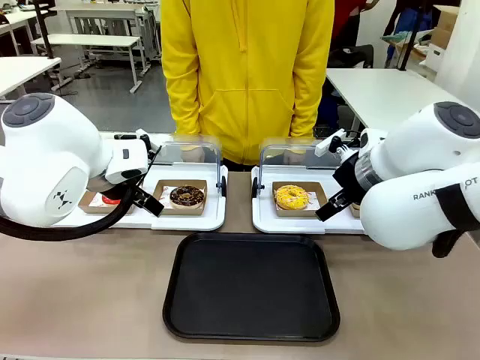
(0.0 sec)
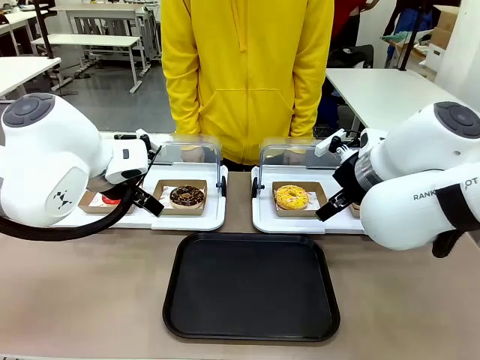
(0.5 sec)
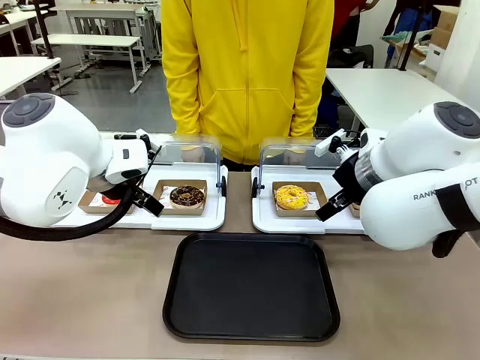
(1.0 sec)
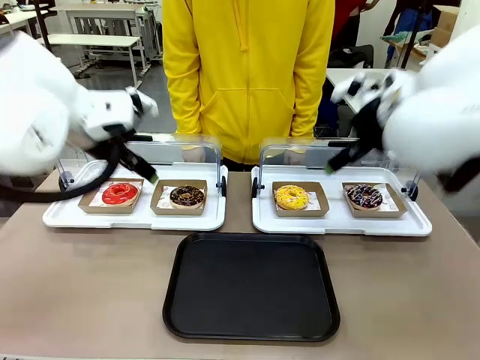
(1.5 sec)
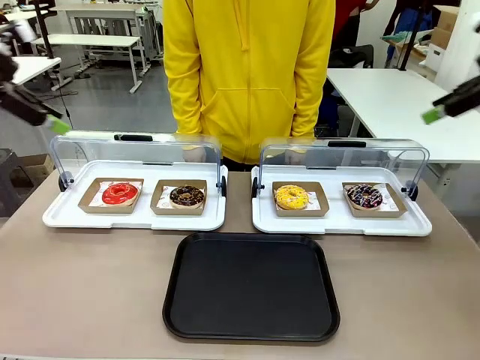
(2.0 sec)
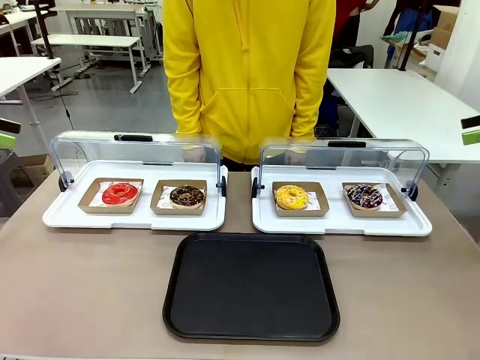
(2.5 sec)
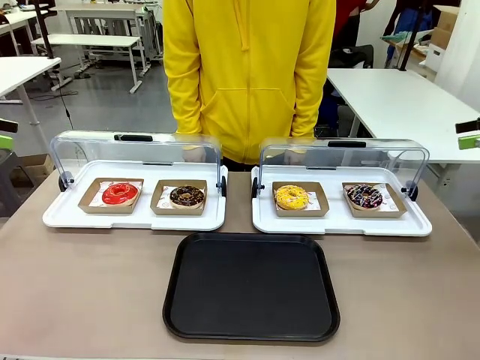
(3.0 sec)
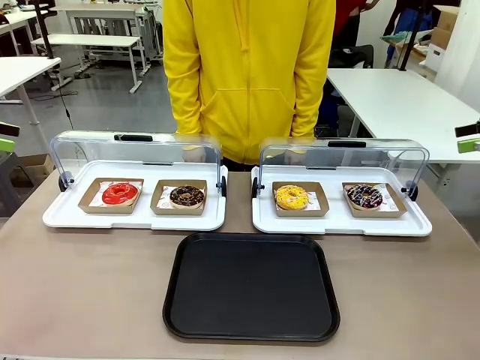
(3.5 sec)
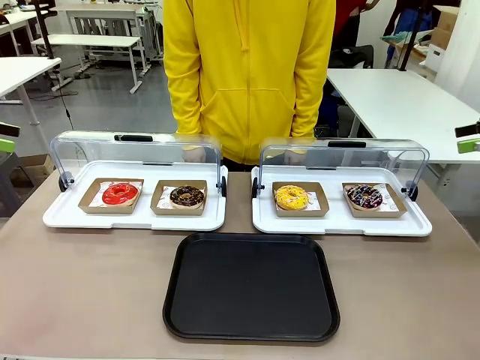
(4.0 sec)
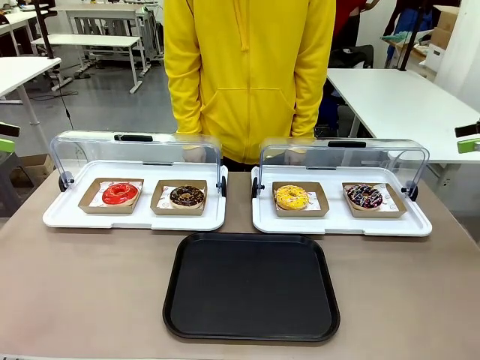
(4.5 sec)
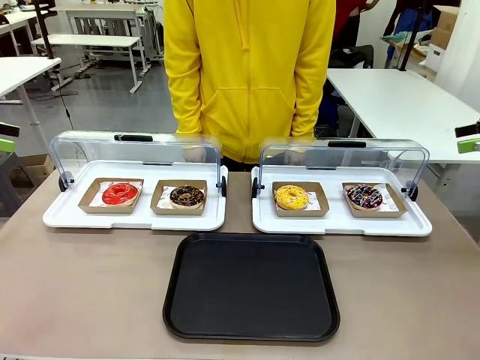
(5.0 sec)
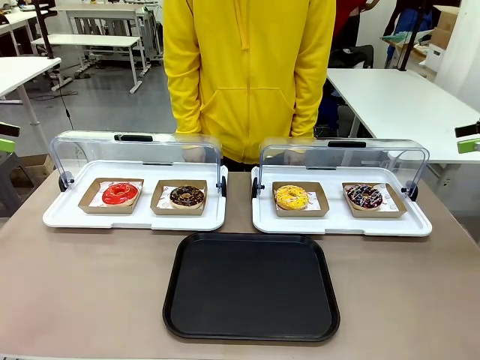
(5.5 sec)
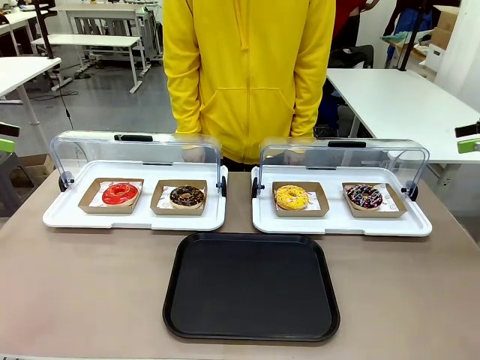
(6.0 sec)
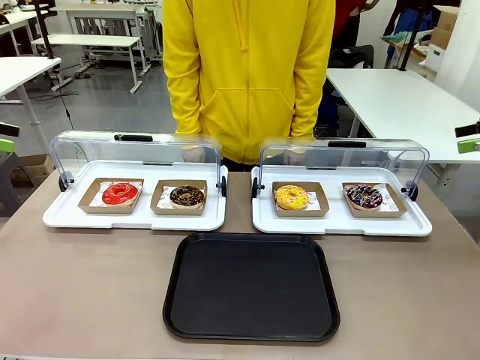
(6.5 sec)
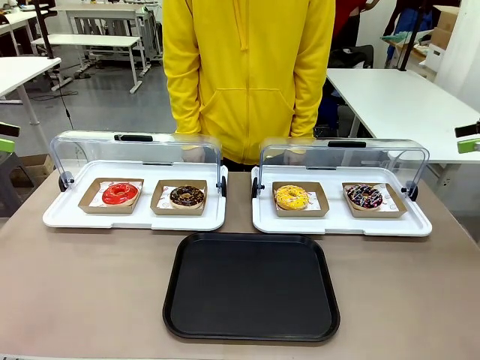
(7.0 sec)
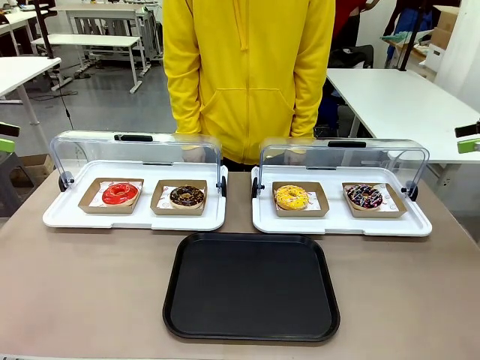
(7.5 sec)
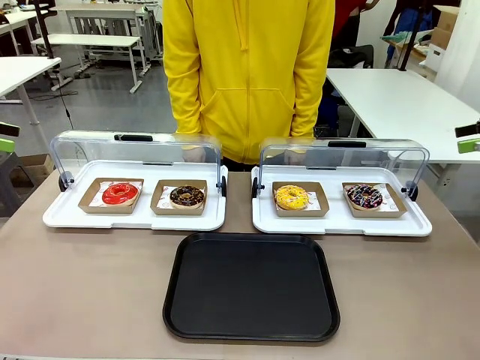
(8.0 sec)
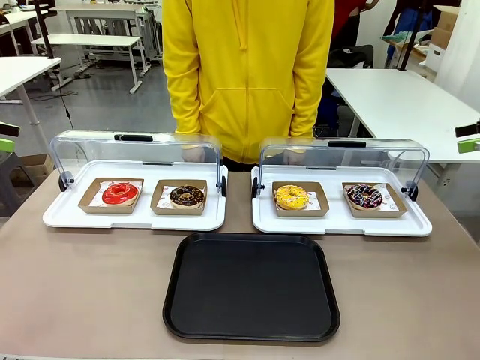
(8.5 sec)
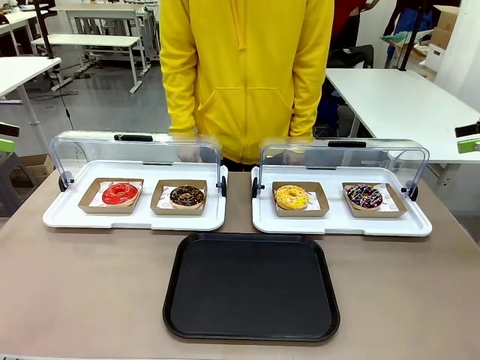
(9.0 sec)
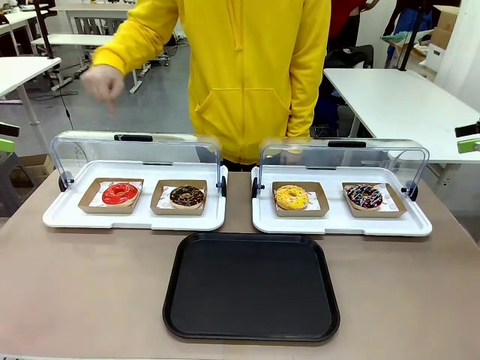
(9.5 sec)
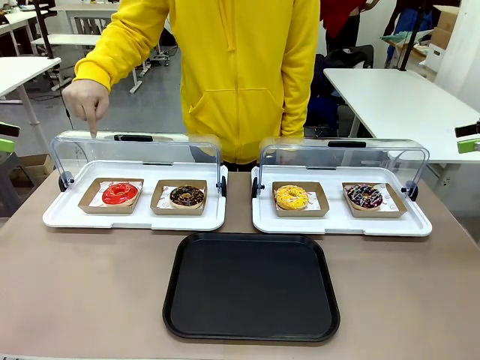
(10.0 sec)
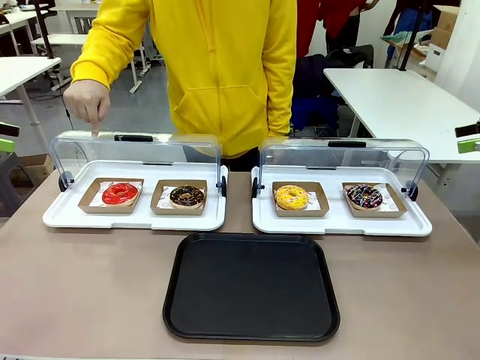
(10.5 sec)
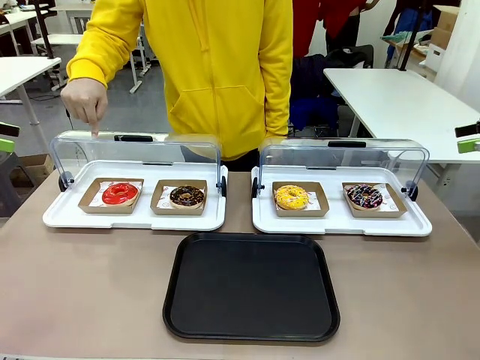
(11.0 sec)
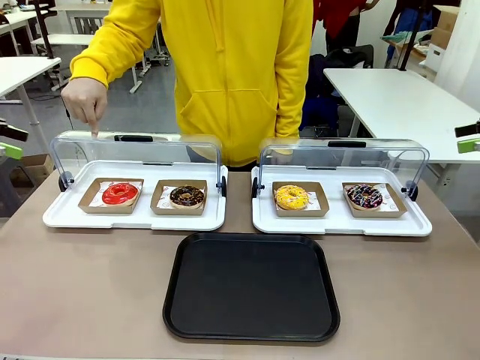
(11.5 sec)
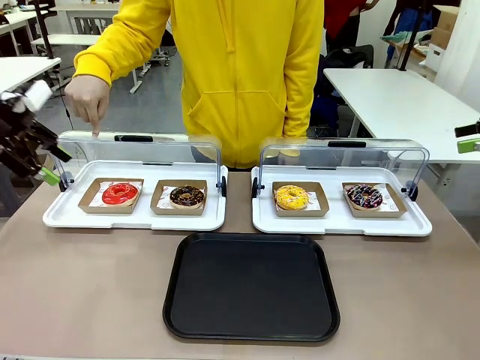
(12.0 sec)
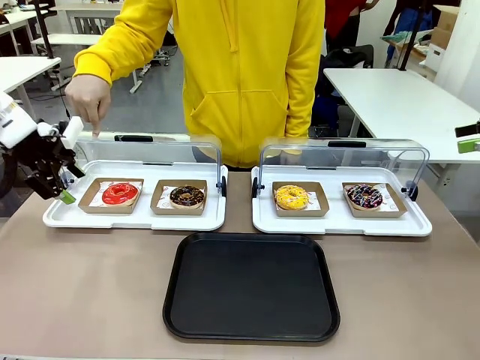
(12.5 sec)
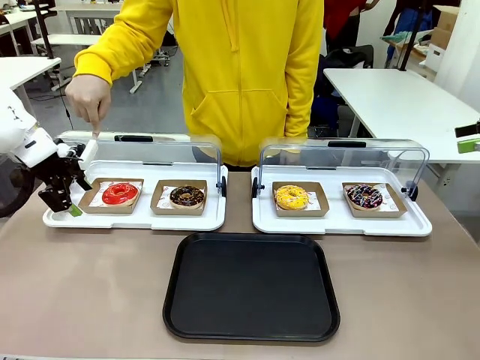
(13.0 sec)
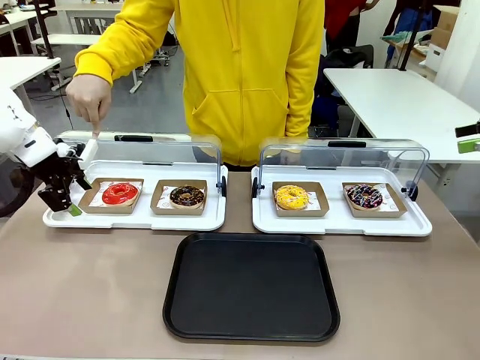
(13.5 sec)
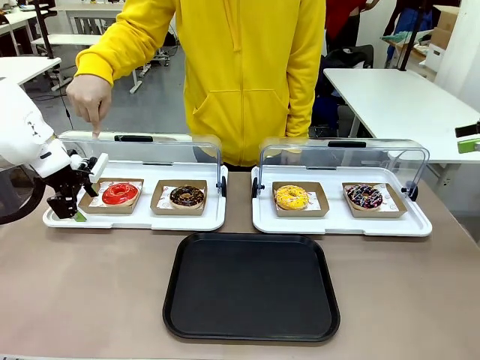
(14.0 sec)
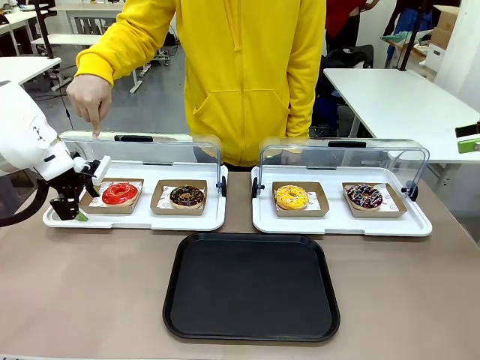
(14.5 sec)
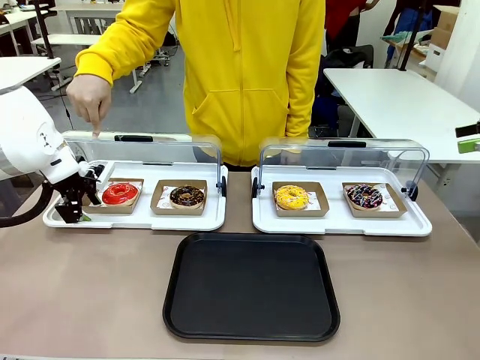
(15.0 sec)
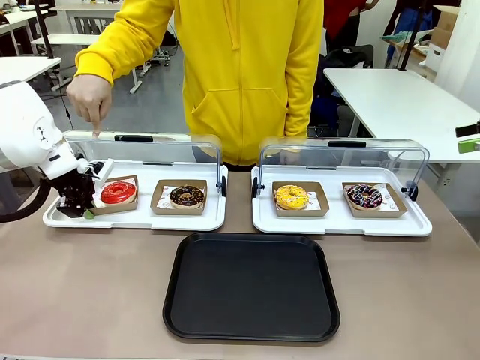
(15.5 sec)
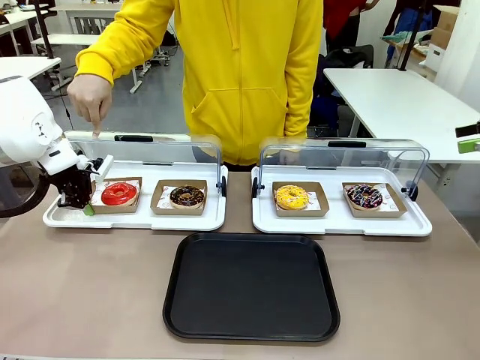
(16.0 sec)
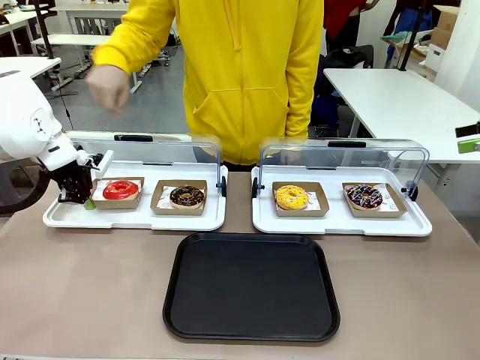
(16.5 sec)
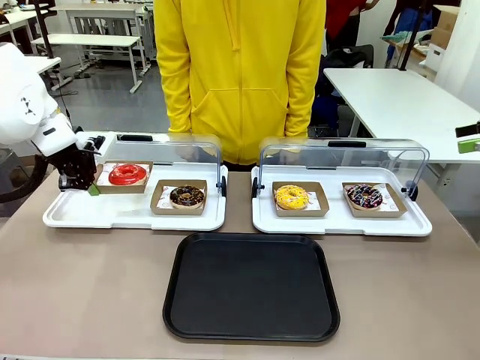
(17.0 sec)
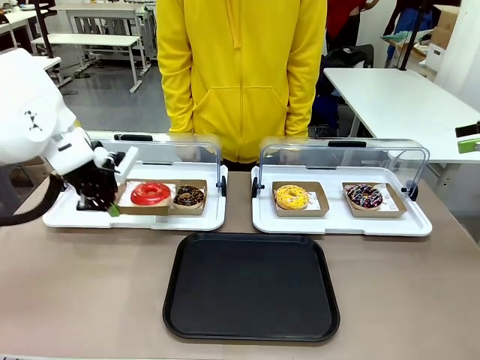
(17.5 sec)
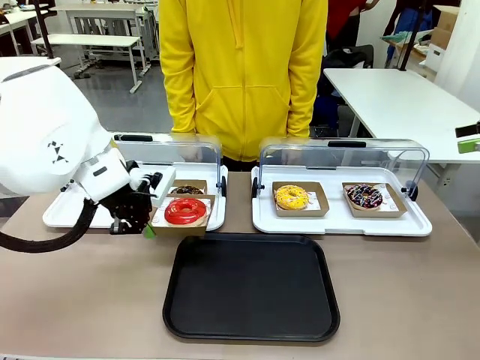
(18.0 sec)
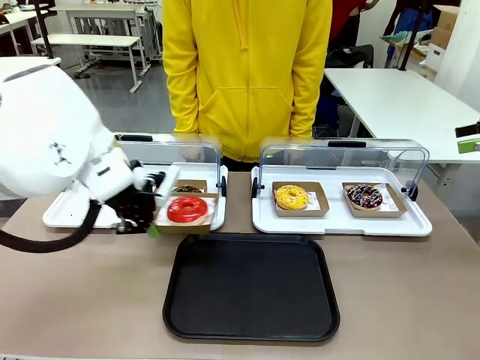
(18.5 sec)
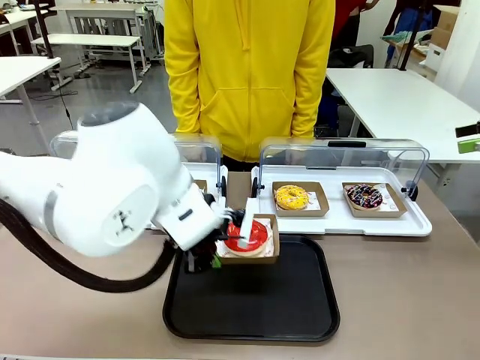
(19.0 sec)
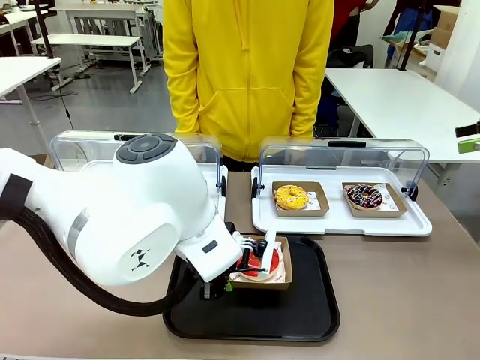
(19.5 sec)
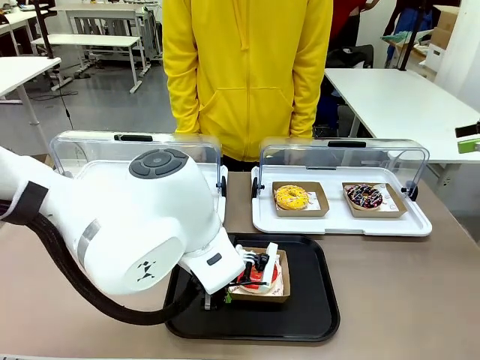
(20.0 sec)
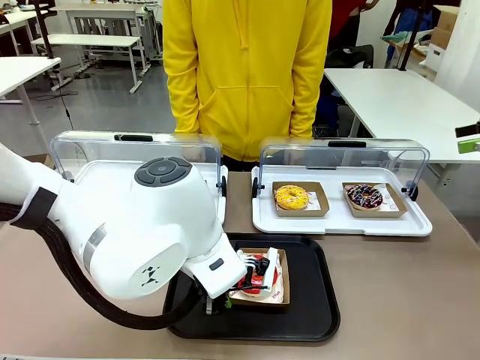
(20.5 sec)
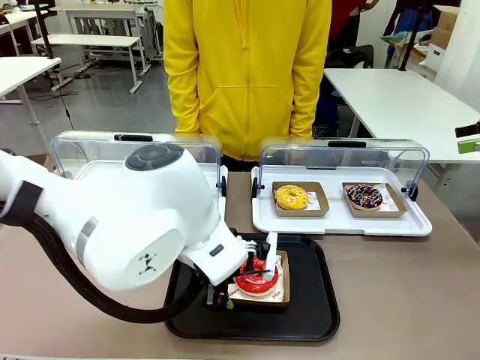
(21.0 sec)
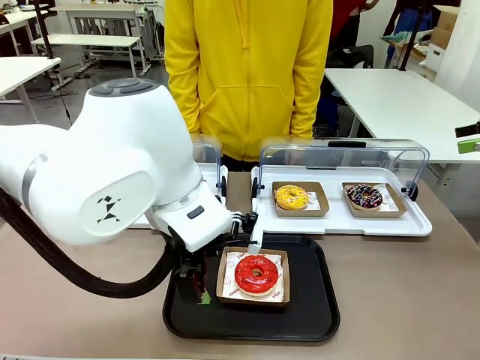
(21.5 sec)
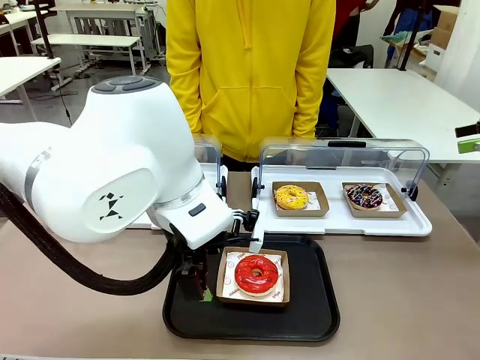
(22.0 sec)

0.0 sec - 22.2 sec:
Task: Move the first donut from the left to the tray.
Robot: Pick up the Paper togo box containing the Donut indicated by the person and place it on the Handle tray.
Person: Points to the first donut from the left from the robot’s perspective.
